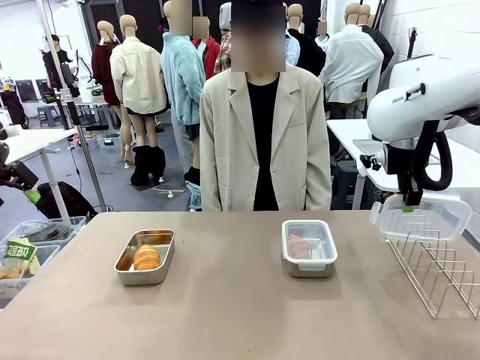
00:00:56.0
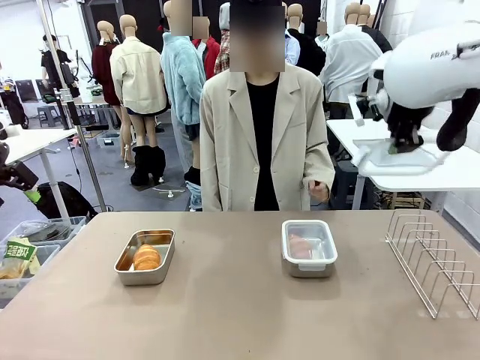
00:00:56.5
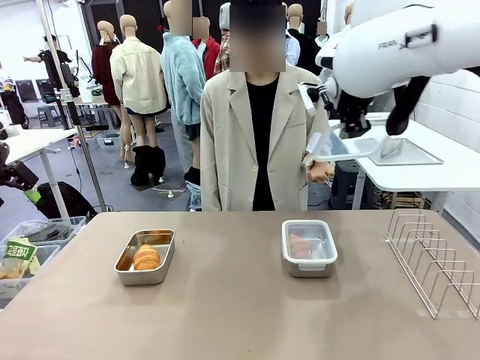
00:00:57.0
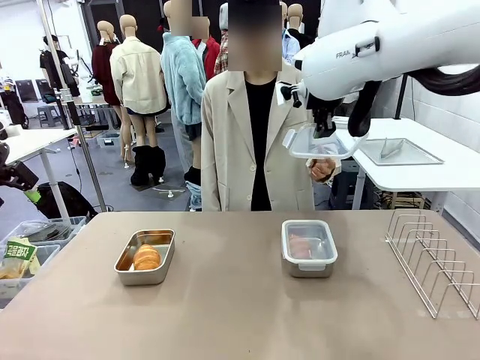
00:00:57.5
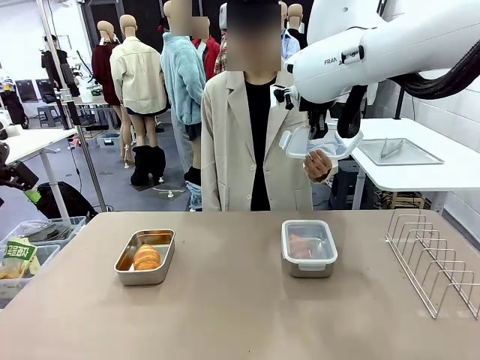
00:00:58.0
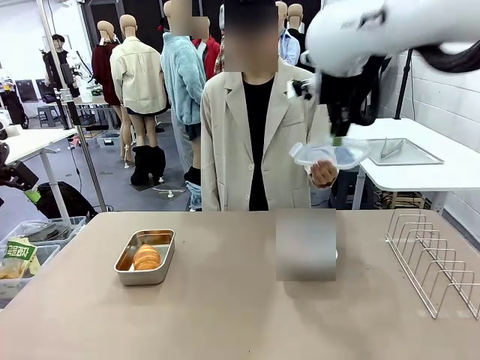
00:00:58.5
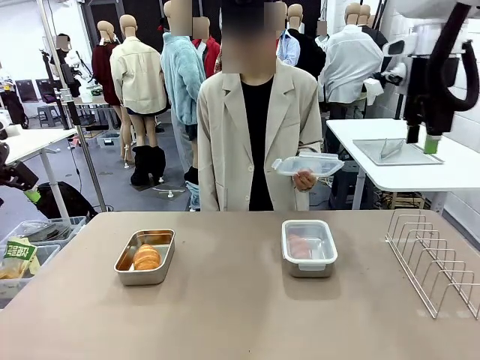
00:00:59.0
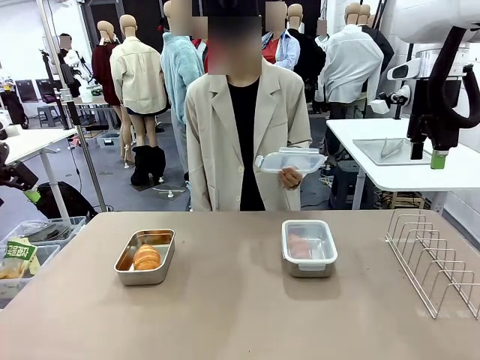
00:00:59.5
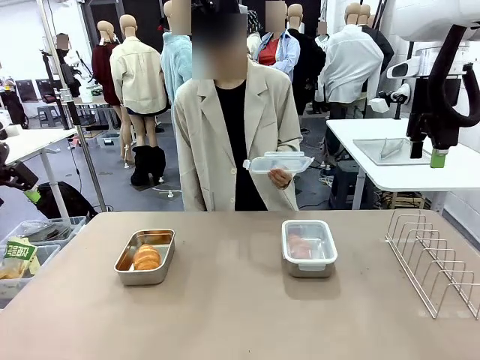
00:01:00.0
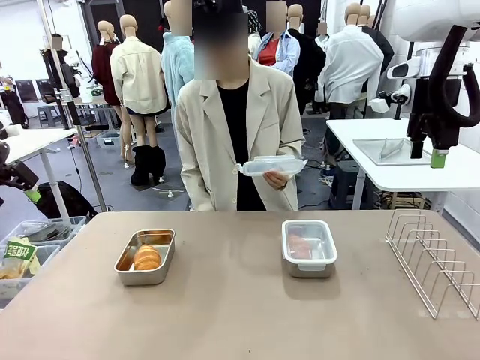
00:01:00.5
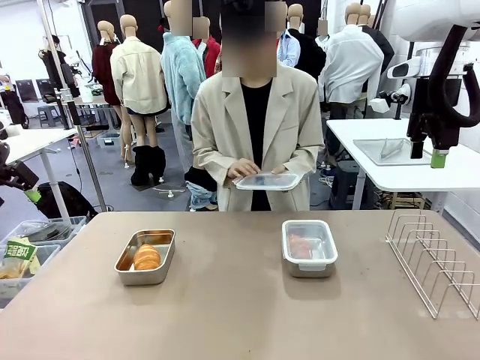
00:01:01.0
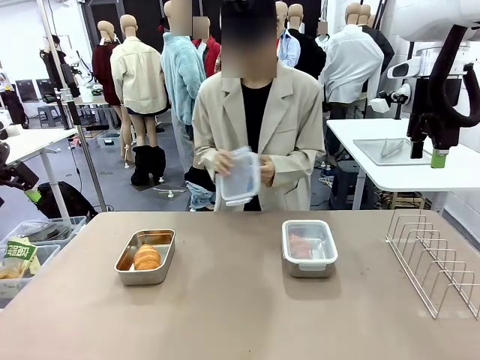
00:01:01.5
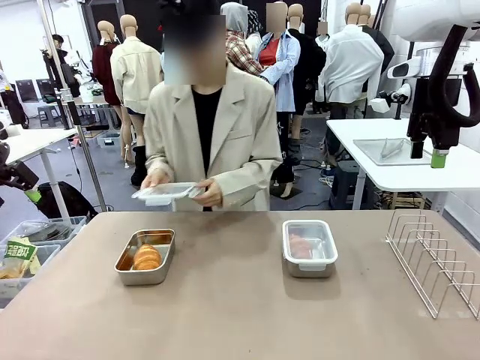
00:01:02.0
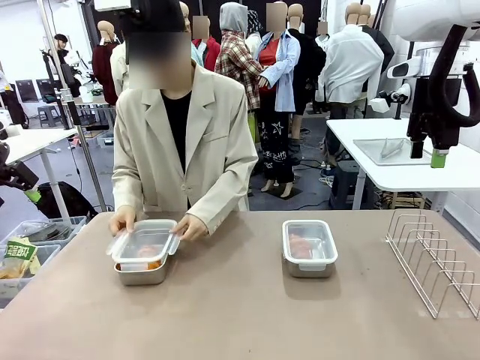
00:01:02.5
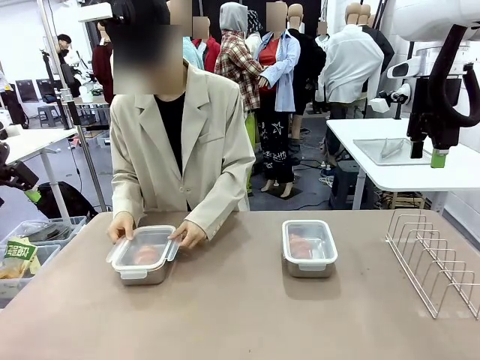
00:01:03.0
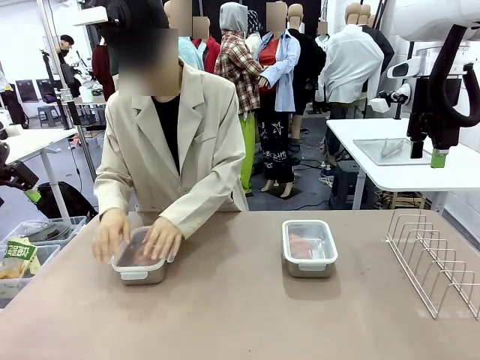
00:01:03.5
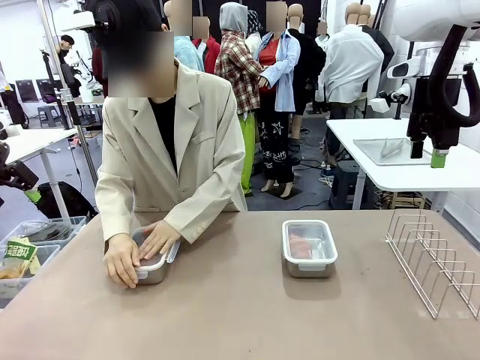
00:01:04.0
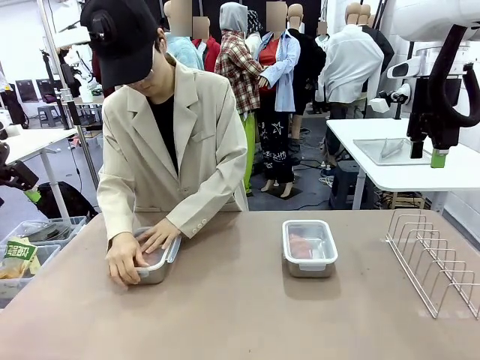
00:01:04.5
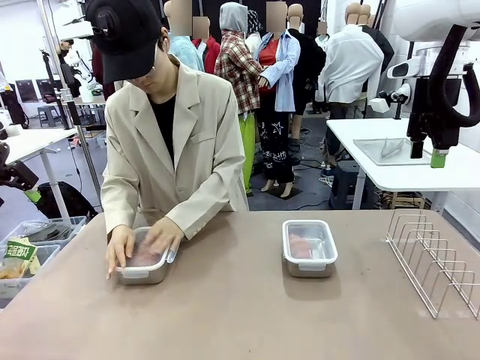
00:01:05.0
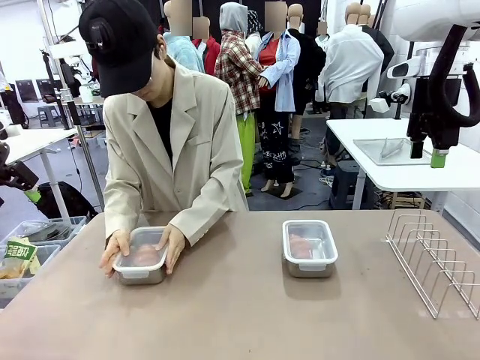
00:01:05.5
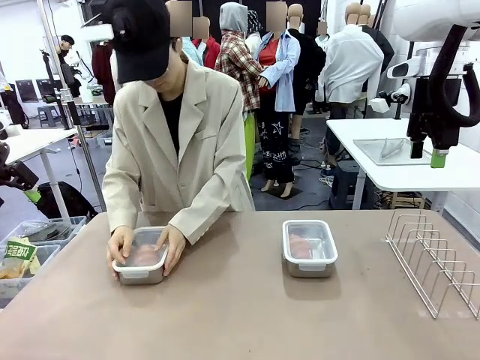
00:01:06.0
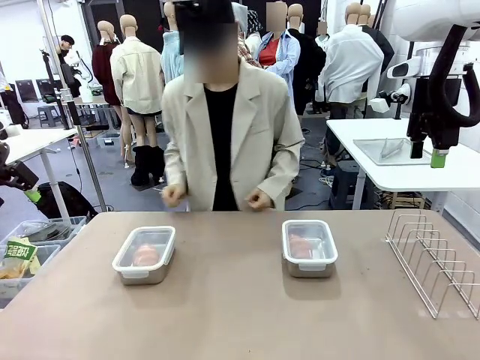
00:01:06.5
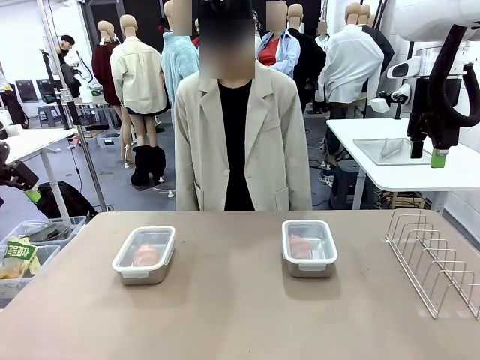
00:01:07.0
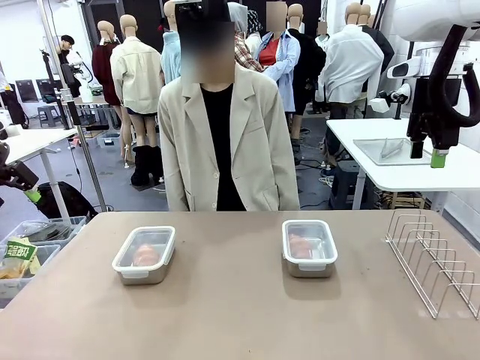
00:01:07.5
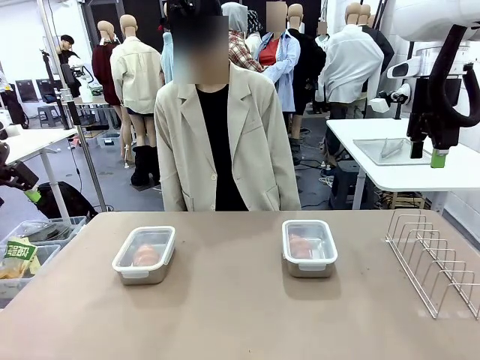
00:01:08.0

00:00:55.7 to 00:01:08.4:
Task: Place the bread in airtight containers.
Robot: Release when the human grabs the Airtight Container lid.
Person: Grip Airtight Container lid that robot is handing. Close Airtight Container with a handed Airtight Container lid.

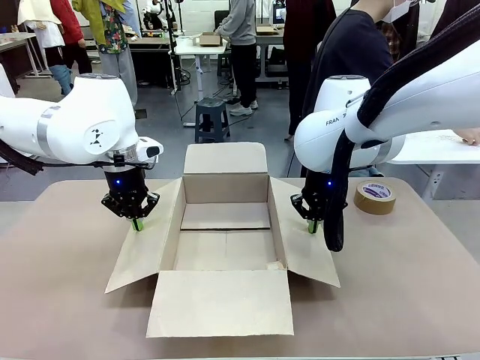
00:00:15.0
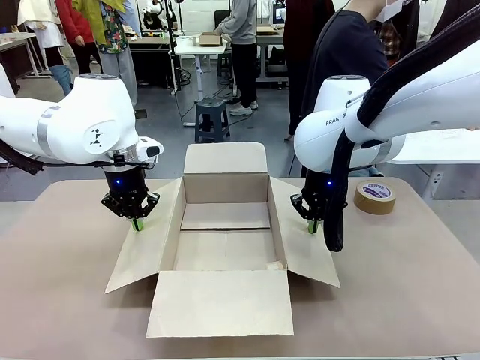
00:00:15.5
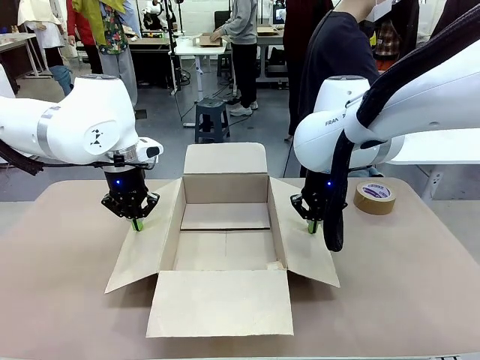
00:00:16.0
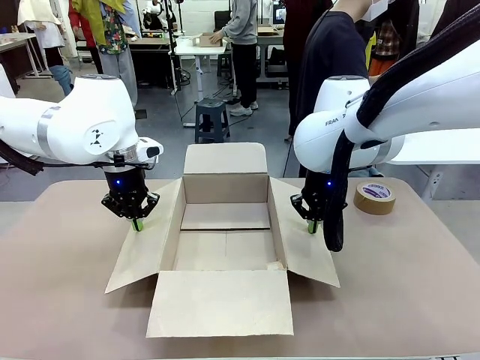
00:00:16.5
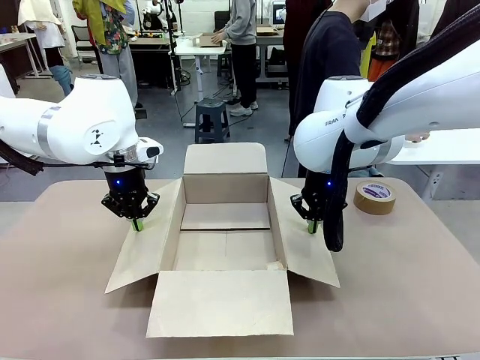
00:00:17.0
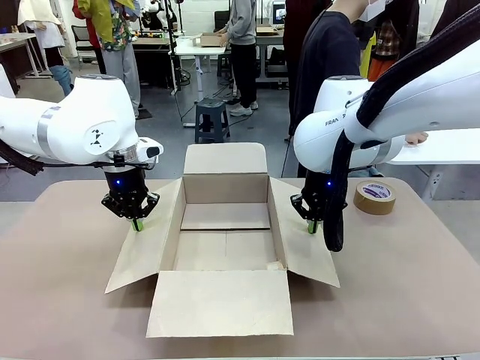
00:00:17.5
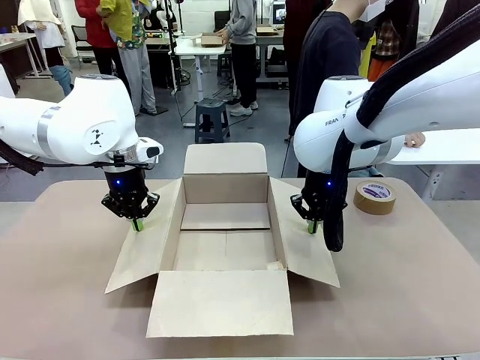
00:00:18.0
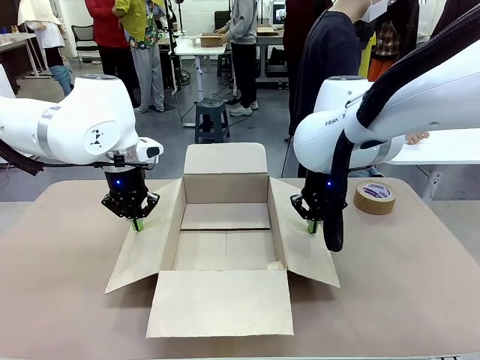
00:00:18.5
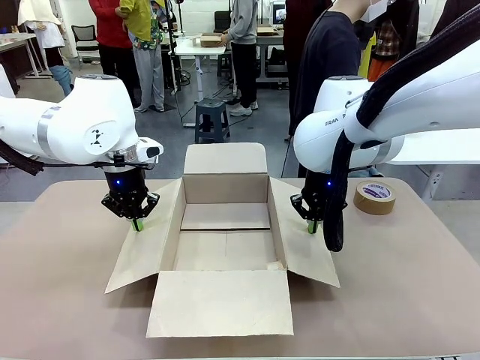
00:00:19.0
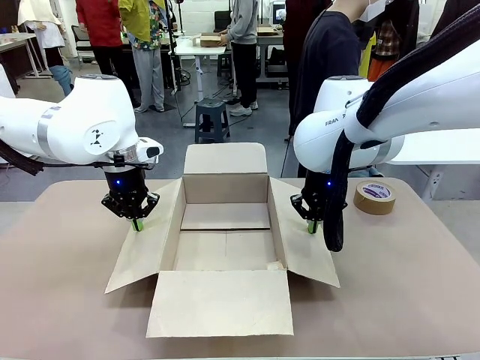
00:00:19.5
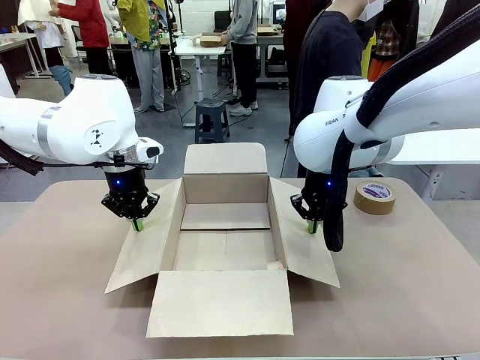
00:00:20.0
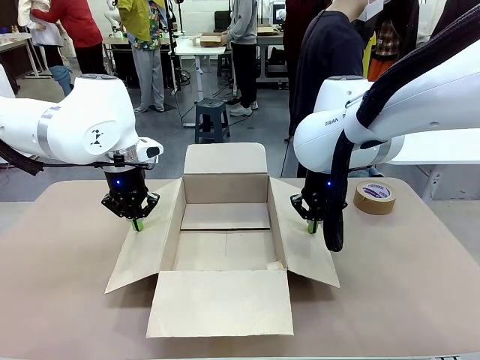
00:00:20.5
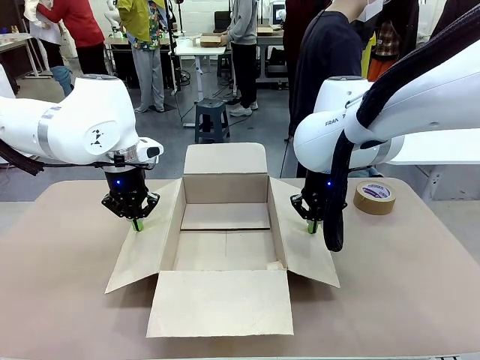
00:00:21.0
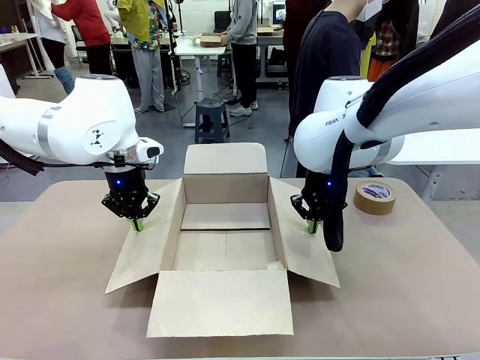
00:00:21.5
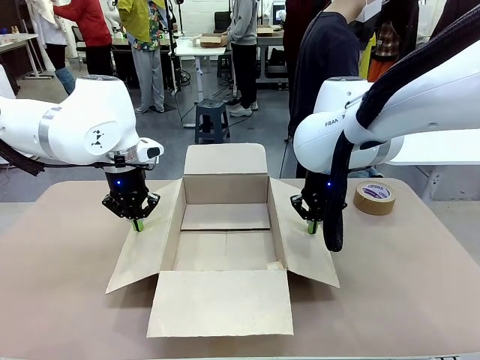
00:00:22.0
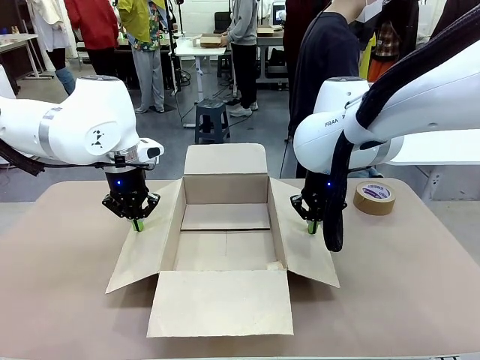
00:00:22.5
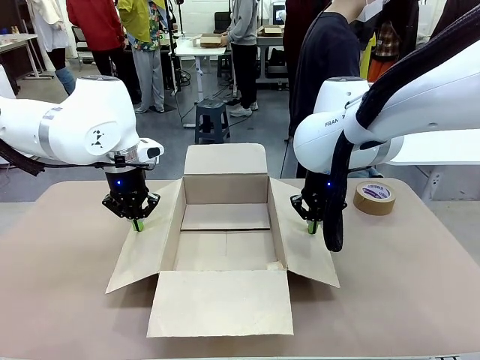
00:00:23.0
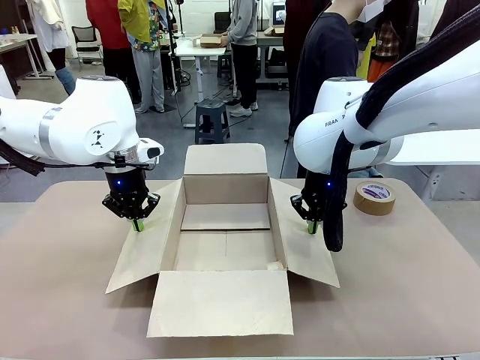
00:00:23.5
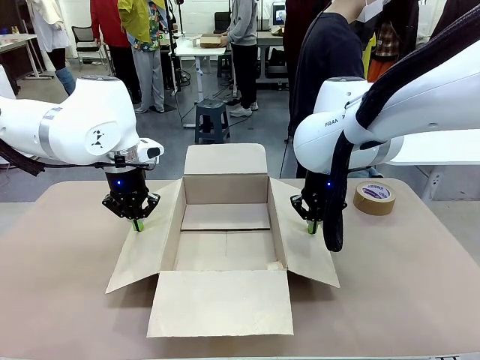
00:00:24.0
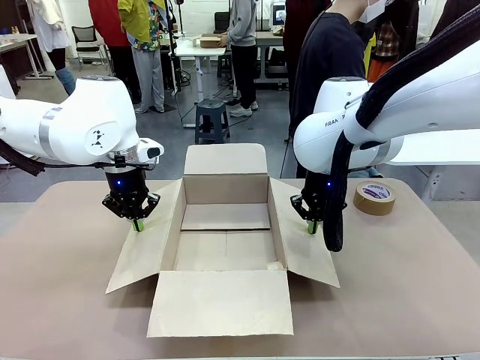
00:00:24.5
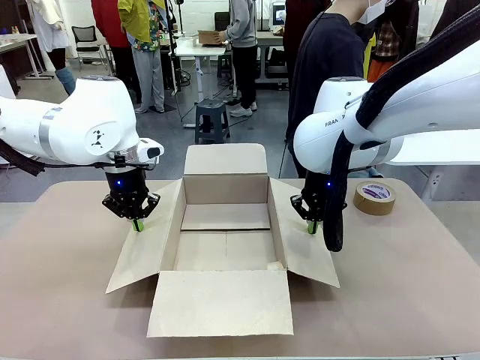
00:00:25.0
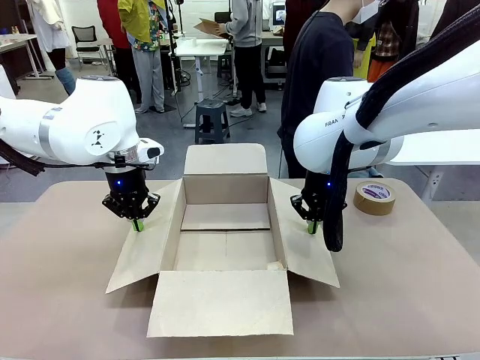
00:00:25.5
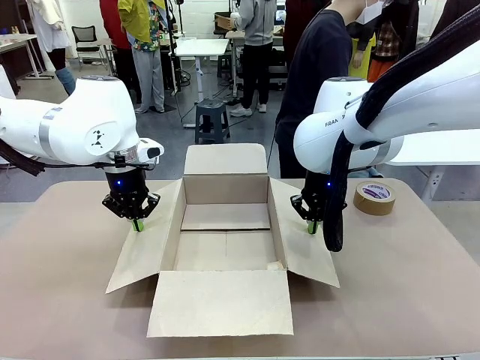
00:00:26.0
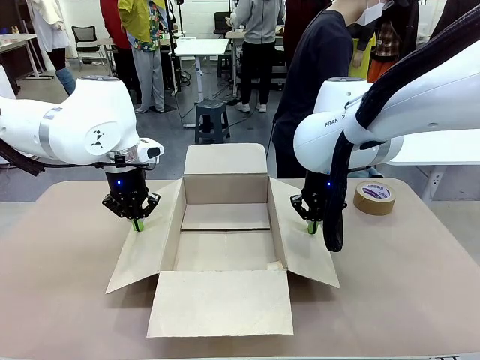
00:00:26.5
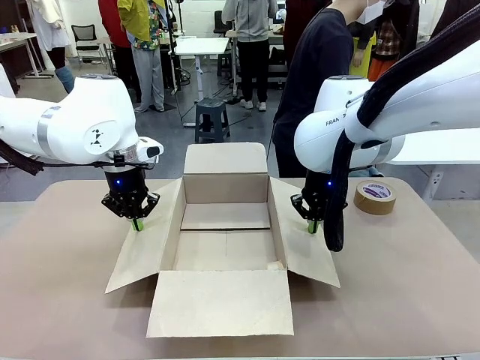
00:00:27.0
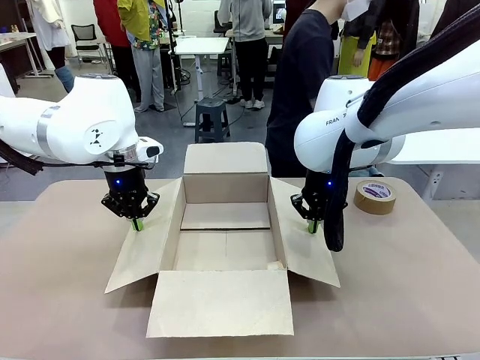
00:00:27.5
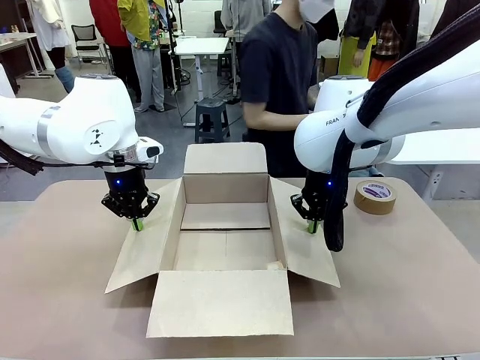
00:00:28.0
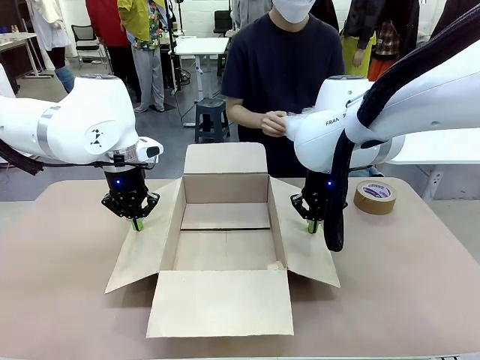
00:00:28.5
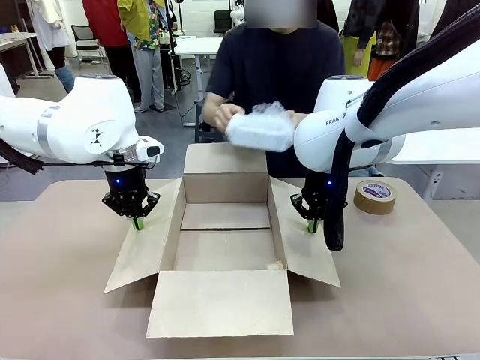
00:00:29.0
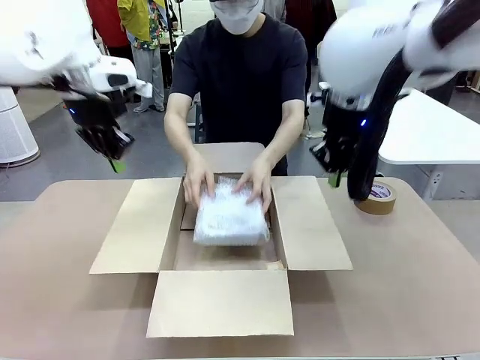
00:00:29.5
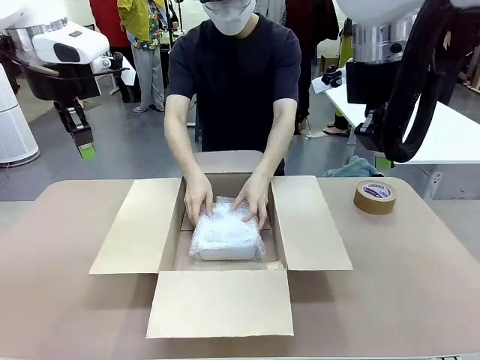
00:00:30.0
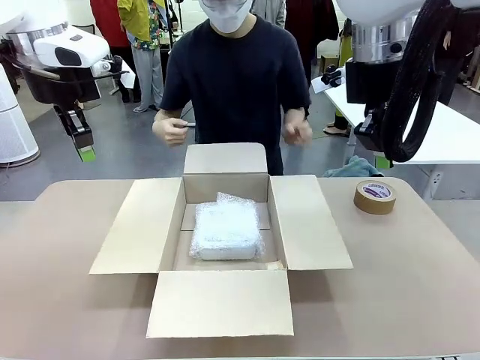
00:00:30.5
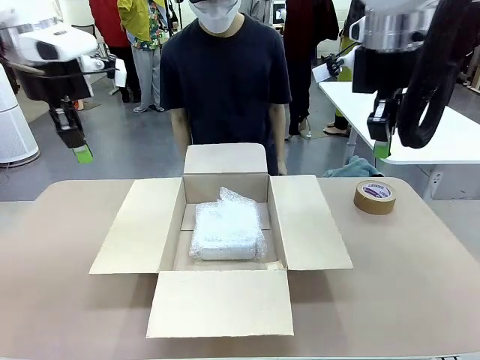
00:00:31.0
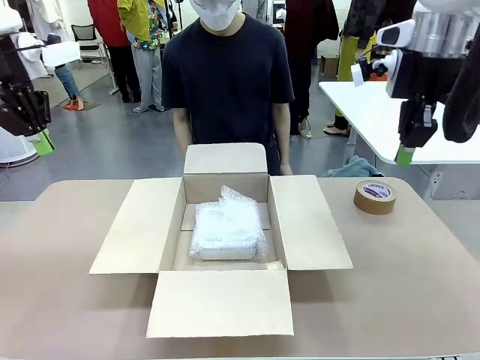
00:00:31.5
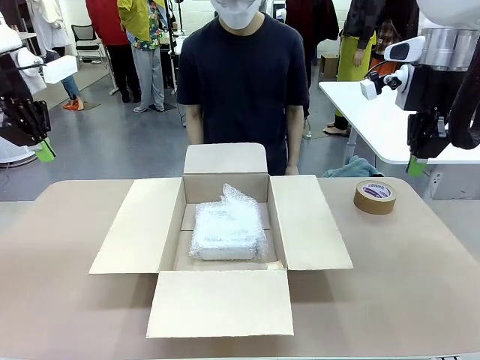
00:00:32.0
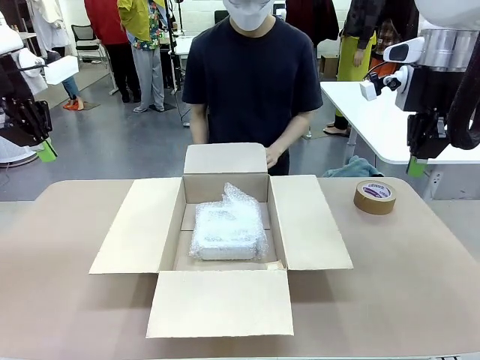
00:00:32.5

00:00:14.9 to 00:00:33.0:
Task: Wrap the clocks to prevent damage.
Robot: Once the human has placed the objects inside and stepped back, release both hands from the side flaps of the Package Box.
Person: Place the wrapped Digital clocks inside the Package Box.
